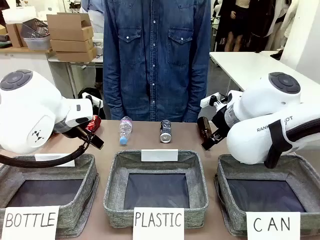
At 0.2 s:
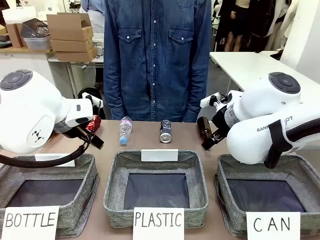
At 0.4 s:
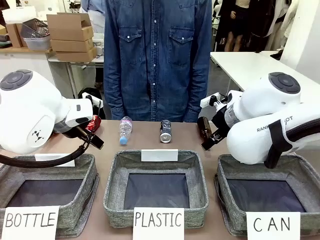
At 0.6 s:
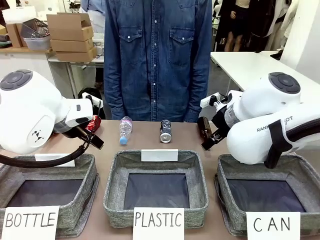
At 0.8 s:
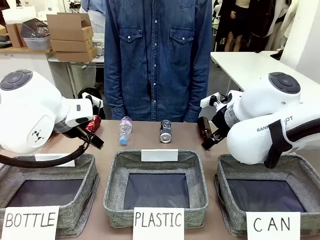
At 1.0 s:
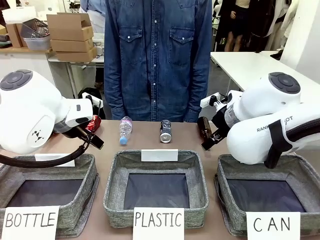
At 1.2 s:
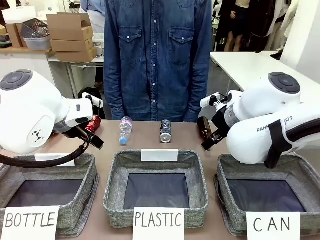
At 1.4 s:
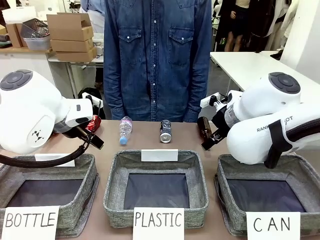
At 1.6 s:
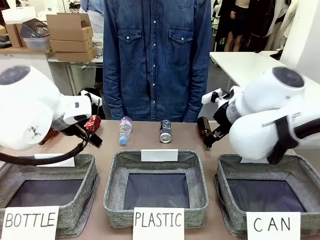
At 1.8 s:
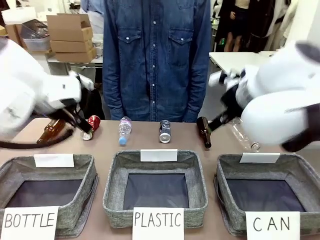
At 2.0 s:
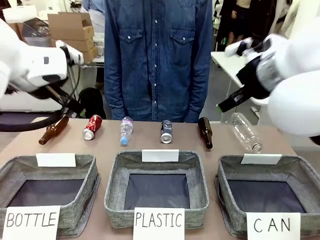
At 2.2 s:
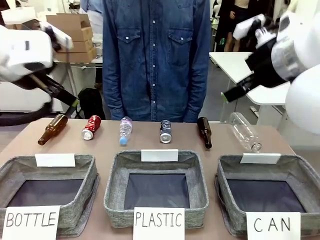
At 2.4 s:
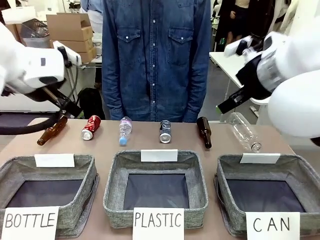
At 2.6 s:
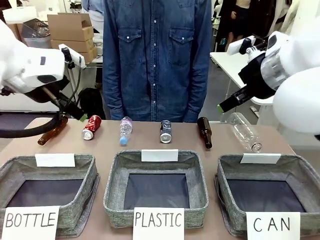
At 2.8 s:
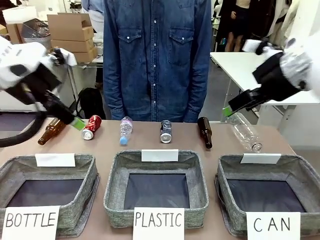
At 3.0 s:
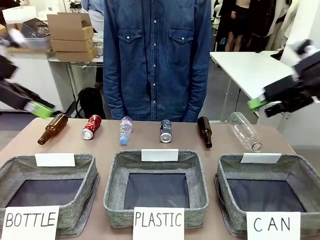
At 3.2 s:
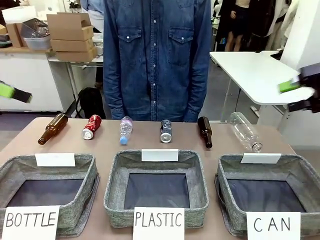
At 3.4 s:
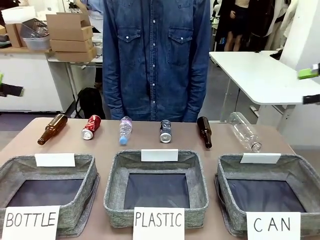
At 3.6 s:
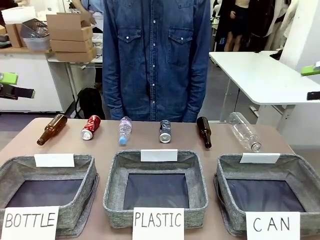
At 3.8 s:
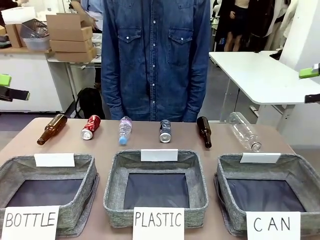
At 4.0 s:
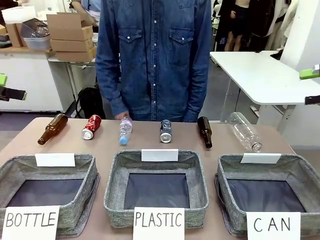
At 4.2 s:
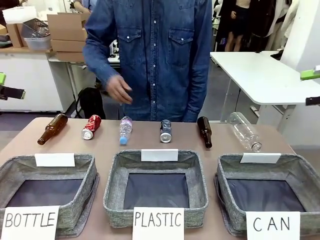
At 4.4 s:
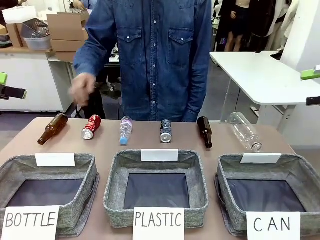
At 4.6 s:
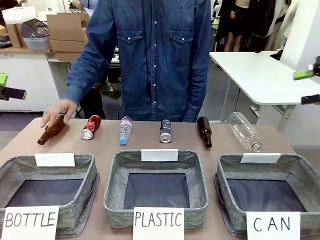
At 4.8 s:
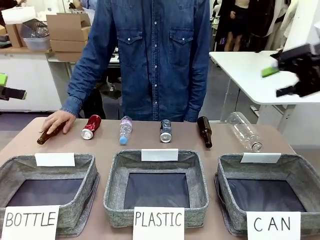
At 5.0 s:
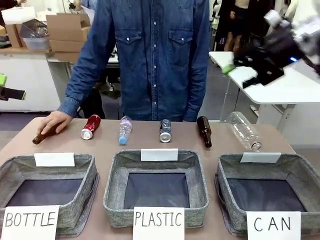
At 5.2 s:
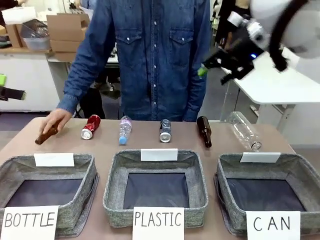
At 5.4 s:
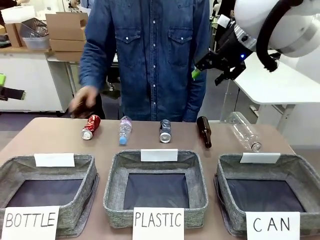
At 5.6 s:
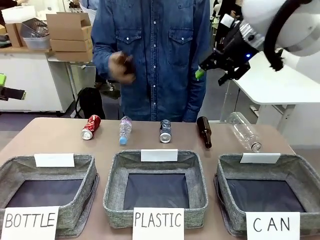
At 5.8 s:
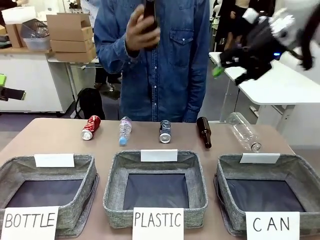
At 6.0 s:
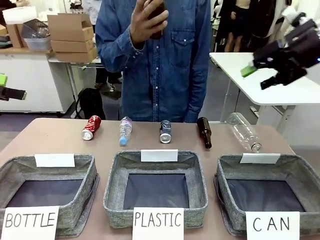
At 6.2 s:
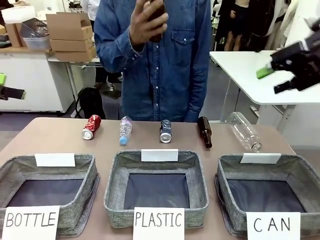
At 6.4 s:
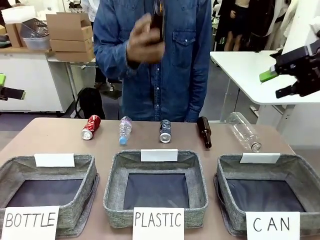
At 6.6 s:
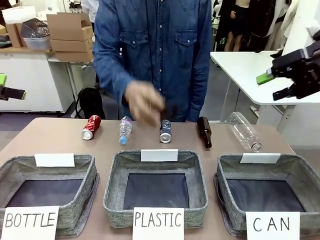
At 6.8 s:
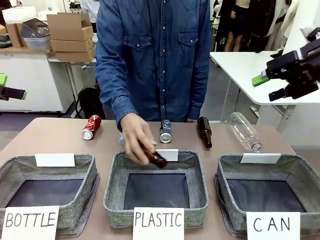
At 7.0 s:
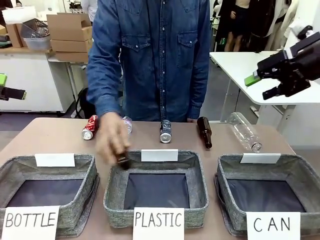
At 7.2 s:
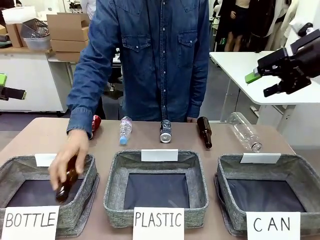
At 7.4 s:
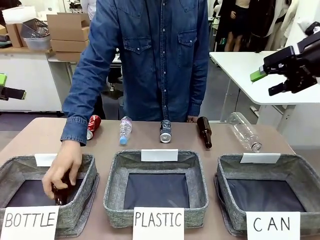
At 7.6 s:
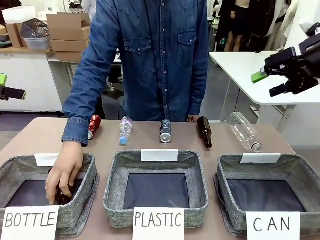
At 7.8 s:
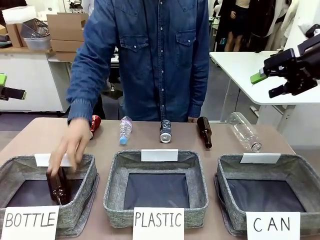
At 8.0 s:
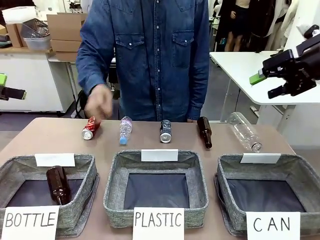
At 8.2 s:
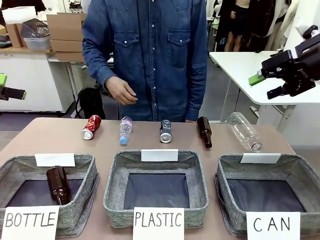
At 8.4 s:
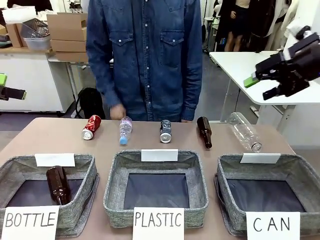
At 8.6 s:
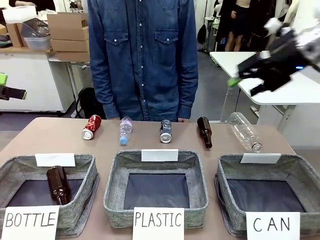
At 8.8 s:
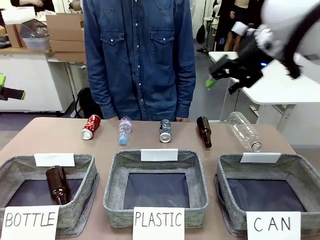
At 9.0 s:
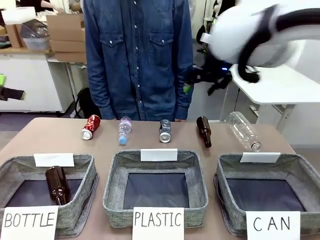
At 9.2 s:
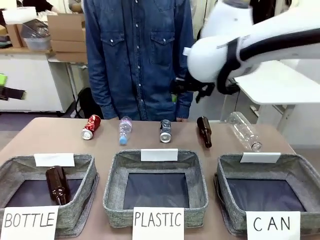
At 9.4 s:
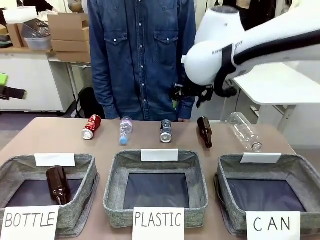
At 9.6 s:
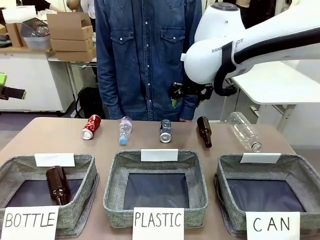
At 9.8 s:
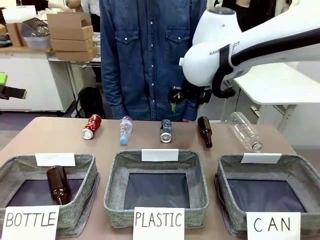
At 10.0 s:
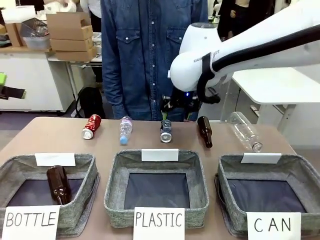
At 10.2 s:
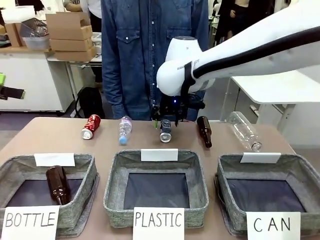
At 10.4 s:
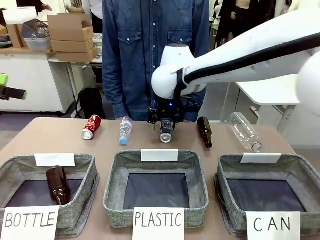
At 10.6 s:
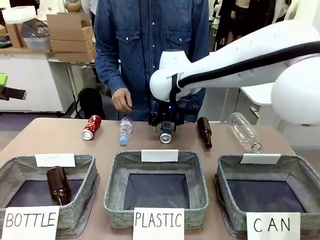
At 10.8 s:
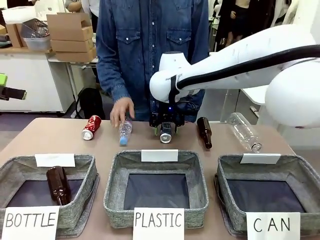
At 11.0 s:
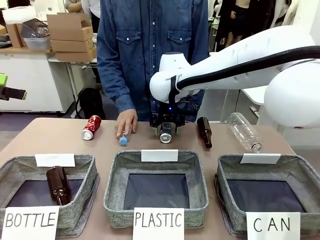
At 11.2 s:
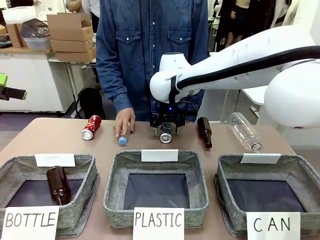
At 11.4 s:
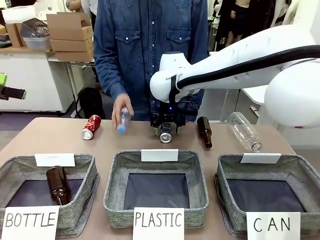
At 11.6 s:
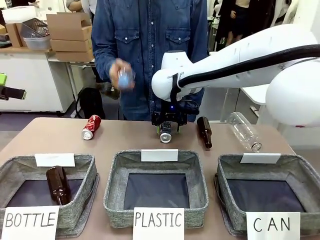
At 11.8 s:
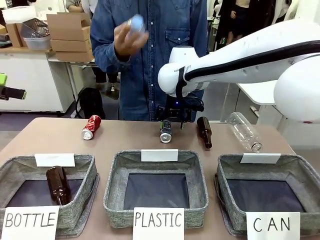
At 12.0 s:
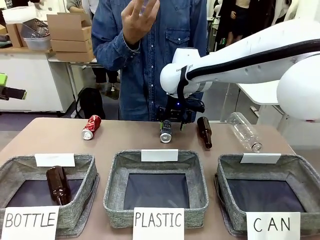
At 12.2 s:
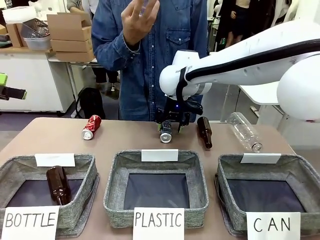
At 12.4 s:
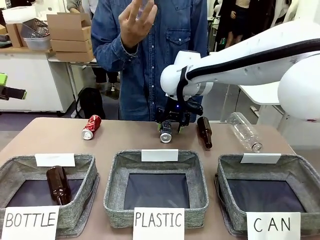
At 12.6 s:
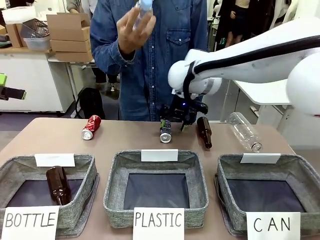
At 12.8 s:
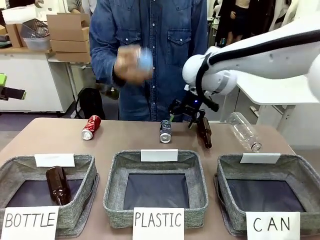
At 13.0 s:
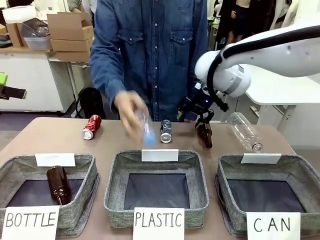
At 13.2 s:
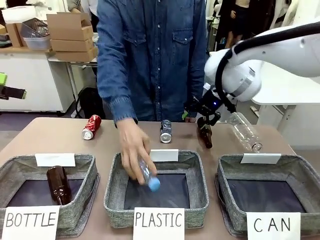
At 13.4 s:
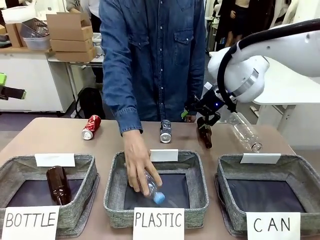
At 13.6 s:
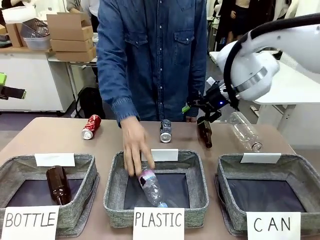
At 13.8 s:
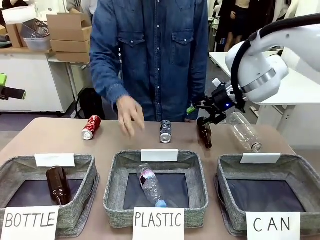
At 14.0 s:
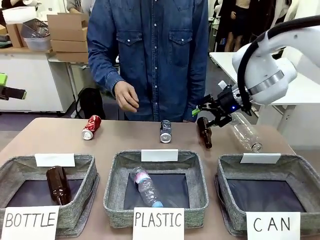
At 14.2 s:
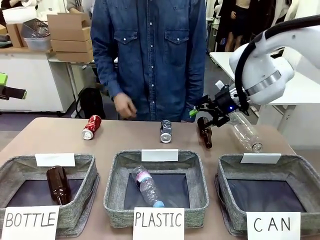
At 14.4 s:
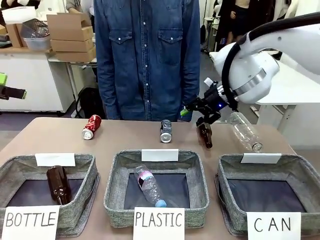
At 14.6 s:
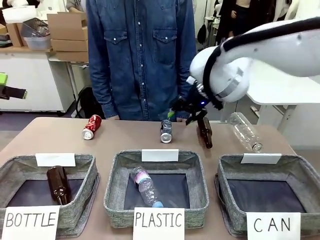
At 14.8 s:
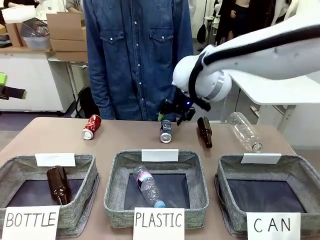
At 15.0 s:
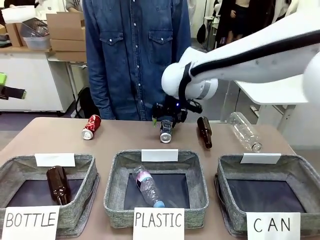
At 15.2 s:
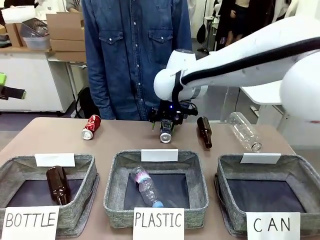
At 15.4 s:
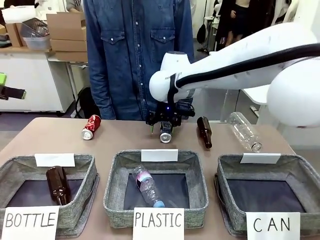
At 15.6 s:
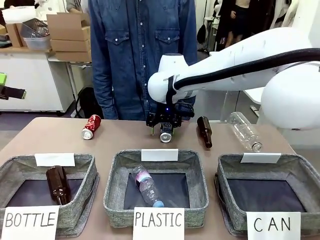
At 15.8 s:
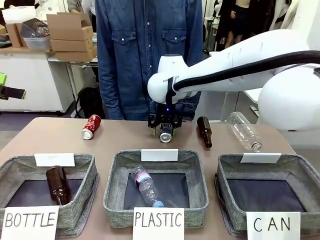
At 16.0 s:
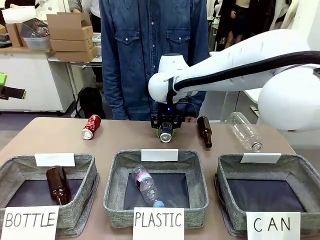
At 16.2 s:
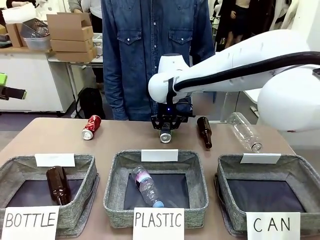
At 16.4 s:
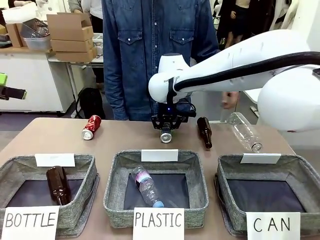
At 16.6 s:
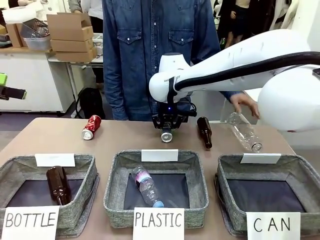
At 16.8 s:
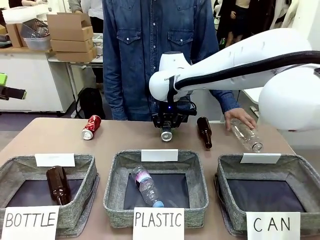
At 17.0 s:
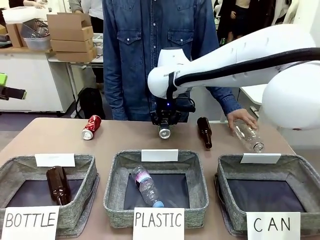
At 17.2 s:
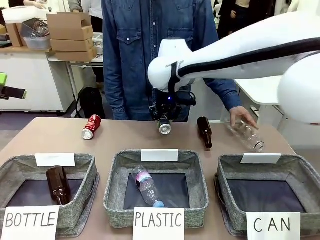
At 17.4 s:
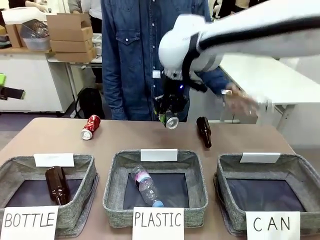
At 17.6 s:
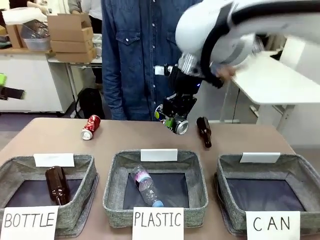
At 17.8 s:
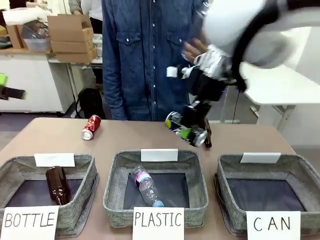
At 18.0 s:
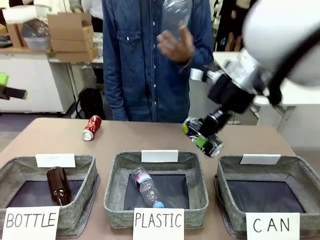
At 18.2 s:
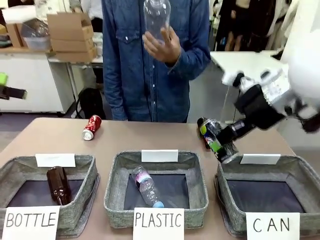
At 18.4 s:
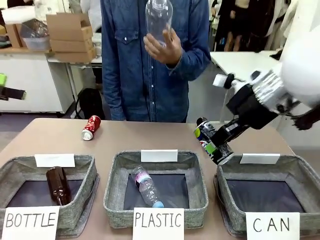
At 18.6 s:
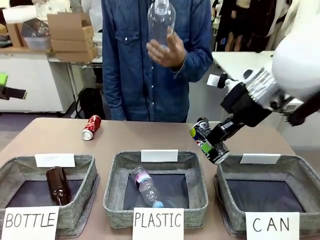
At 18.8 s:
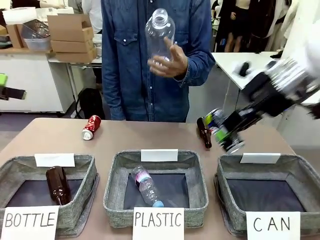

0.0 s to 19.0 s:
Task: Sort the can waste into the basket.
Robot: Pick up the can waste from the table and place it in the right Fabric basket.
